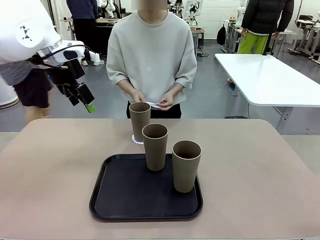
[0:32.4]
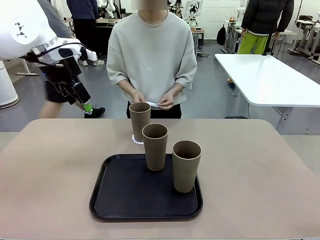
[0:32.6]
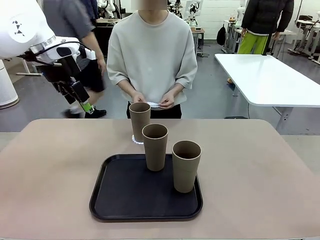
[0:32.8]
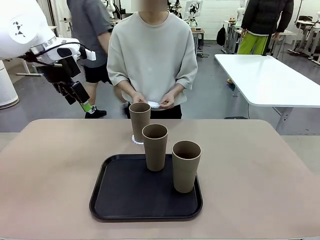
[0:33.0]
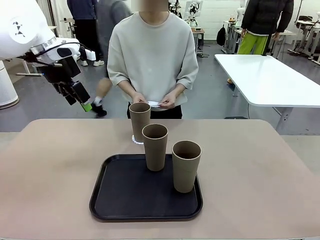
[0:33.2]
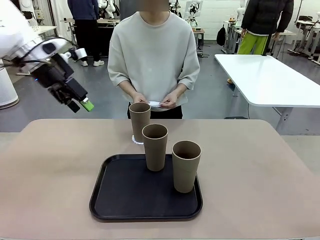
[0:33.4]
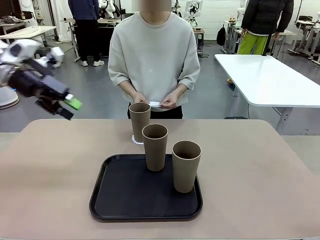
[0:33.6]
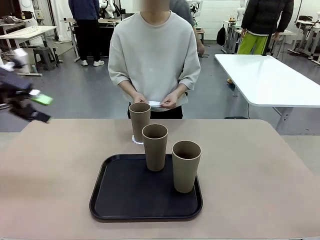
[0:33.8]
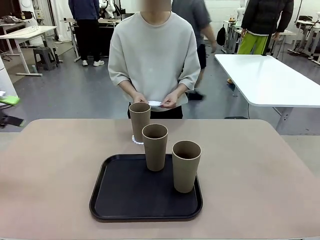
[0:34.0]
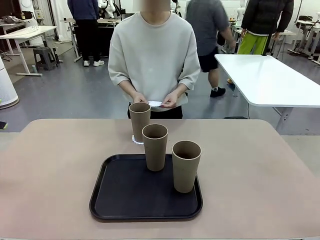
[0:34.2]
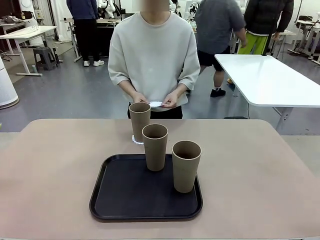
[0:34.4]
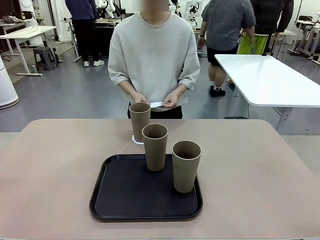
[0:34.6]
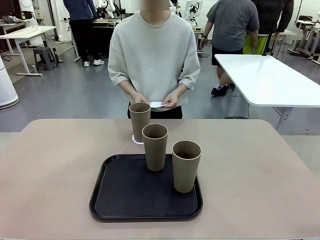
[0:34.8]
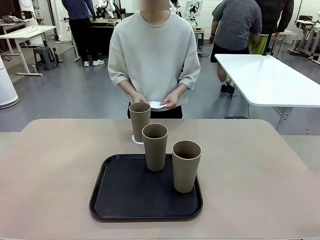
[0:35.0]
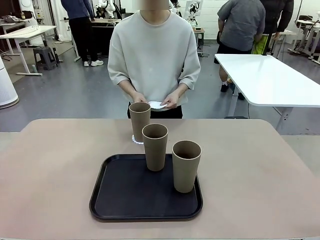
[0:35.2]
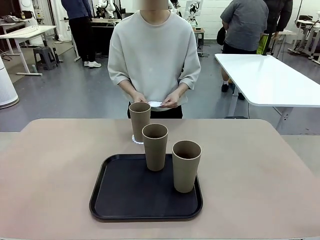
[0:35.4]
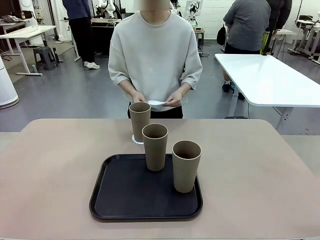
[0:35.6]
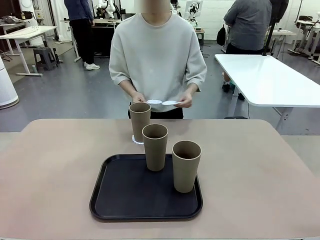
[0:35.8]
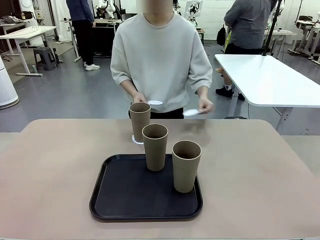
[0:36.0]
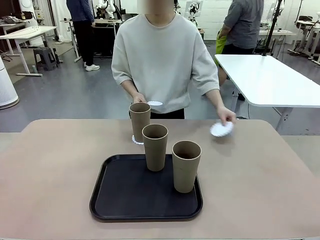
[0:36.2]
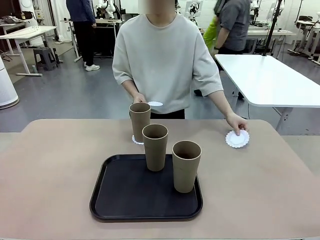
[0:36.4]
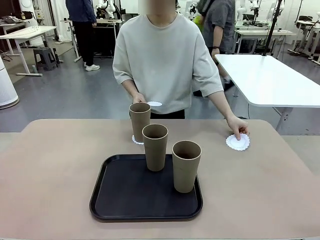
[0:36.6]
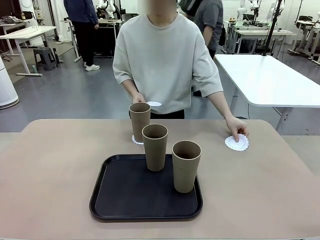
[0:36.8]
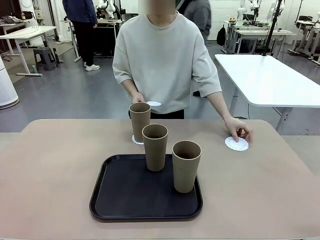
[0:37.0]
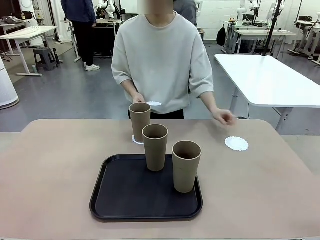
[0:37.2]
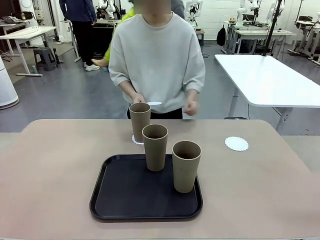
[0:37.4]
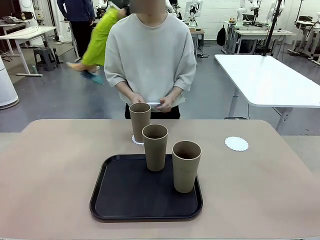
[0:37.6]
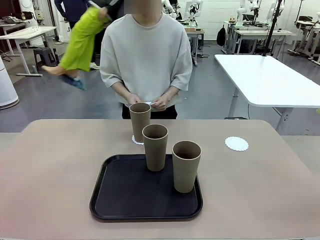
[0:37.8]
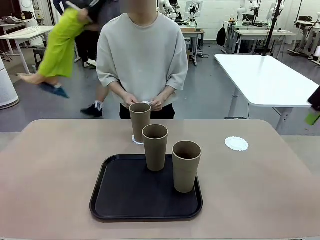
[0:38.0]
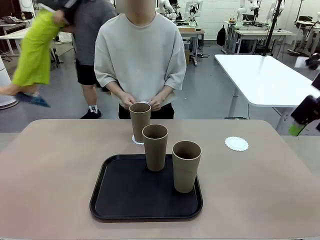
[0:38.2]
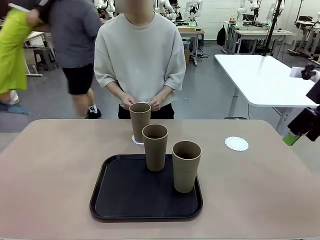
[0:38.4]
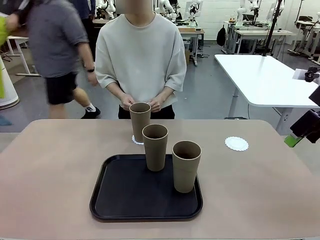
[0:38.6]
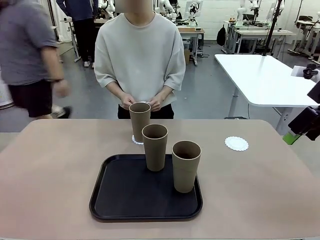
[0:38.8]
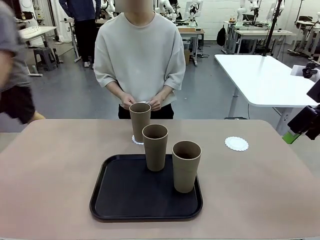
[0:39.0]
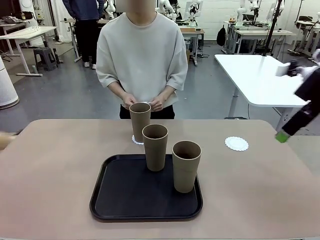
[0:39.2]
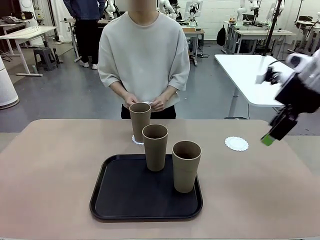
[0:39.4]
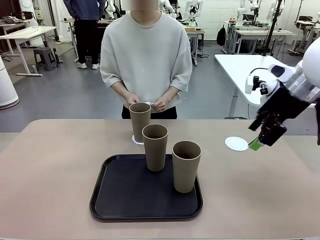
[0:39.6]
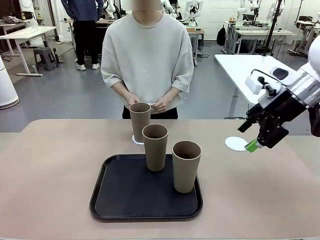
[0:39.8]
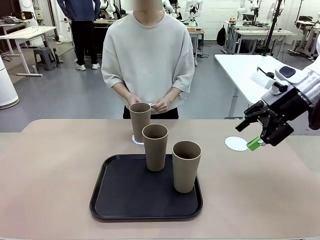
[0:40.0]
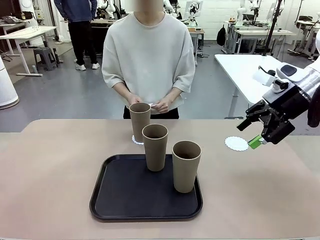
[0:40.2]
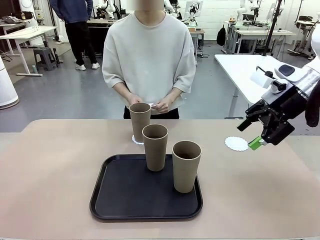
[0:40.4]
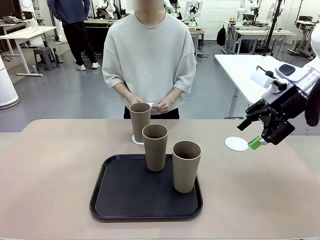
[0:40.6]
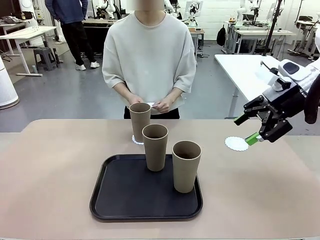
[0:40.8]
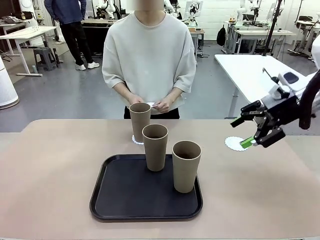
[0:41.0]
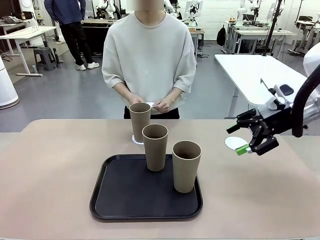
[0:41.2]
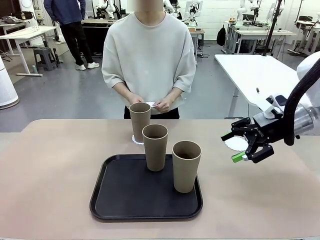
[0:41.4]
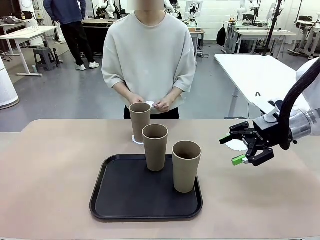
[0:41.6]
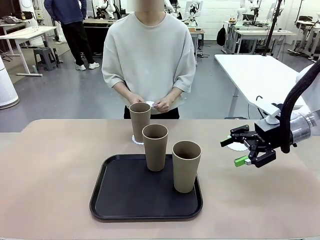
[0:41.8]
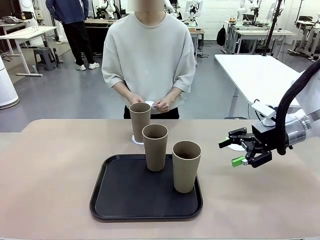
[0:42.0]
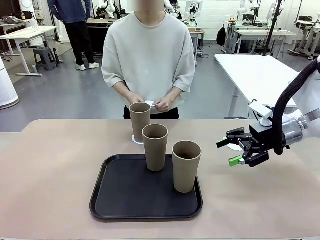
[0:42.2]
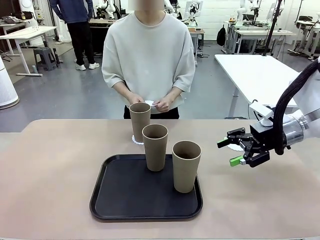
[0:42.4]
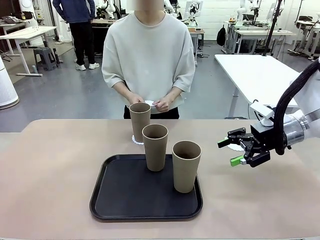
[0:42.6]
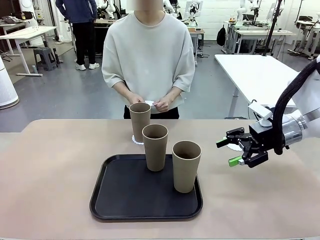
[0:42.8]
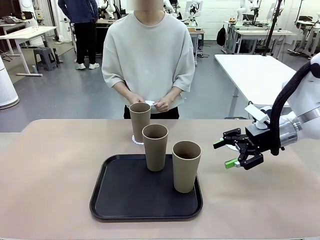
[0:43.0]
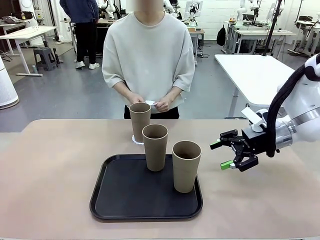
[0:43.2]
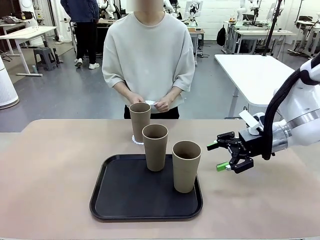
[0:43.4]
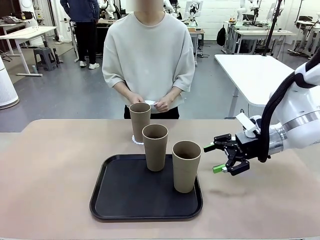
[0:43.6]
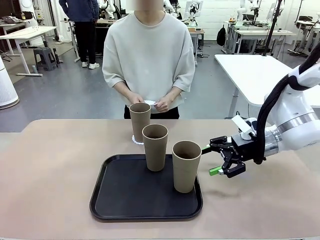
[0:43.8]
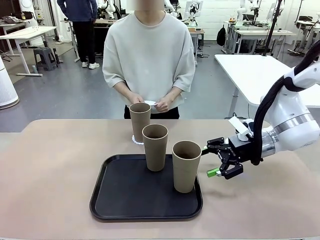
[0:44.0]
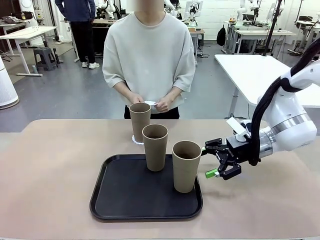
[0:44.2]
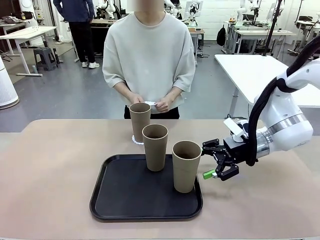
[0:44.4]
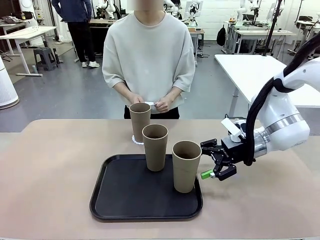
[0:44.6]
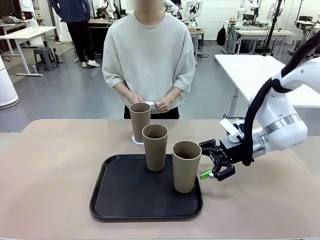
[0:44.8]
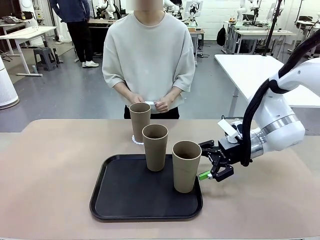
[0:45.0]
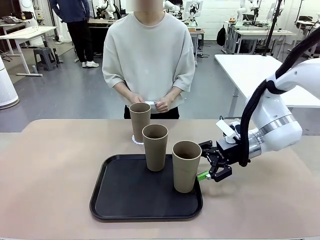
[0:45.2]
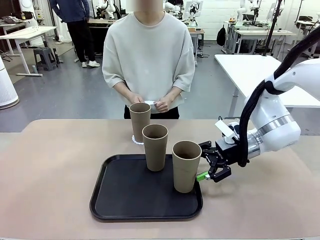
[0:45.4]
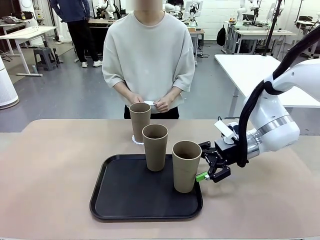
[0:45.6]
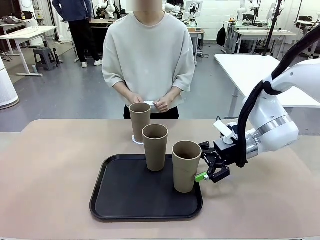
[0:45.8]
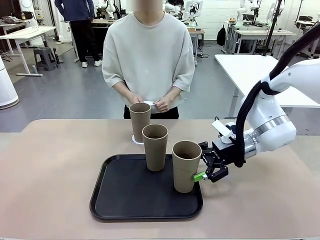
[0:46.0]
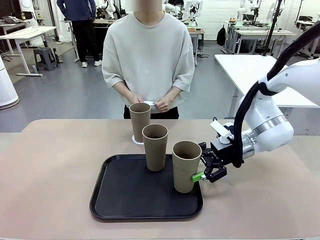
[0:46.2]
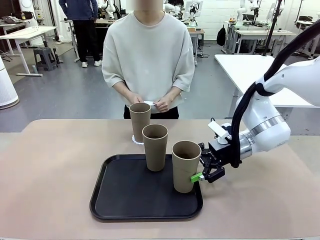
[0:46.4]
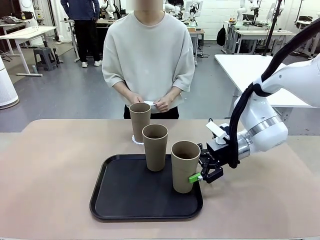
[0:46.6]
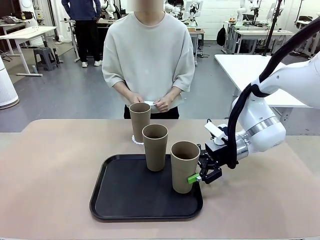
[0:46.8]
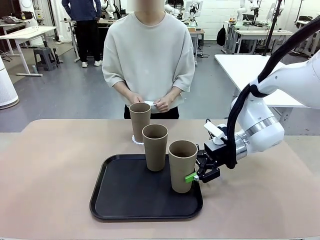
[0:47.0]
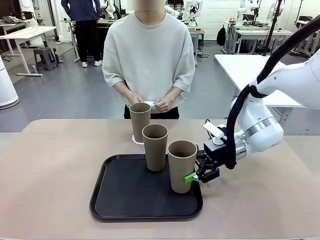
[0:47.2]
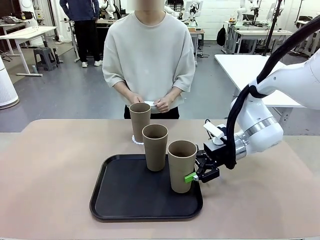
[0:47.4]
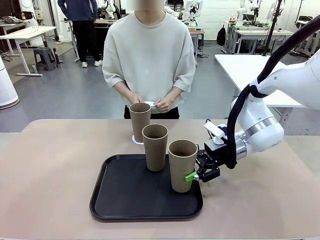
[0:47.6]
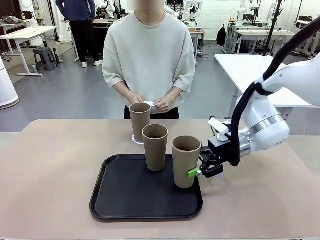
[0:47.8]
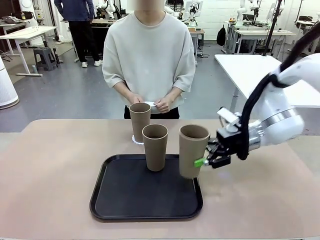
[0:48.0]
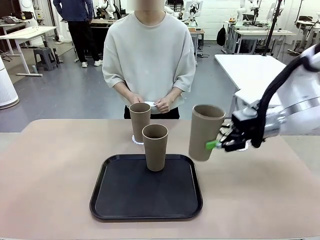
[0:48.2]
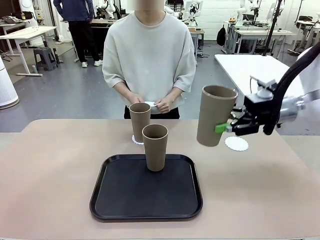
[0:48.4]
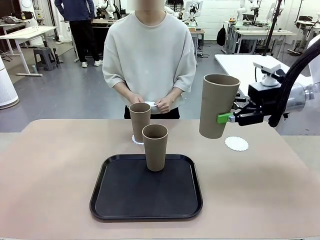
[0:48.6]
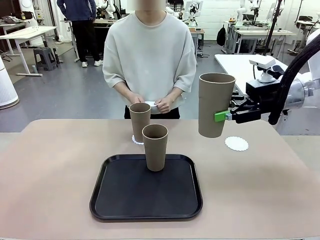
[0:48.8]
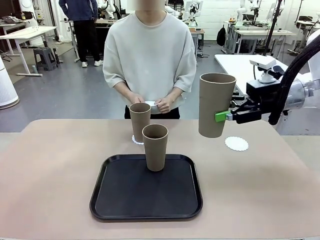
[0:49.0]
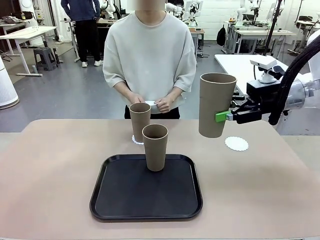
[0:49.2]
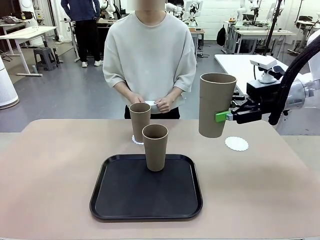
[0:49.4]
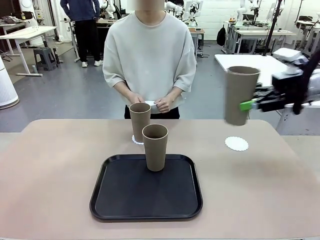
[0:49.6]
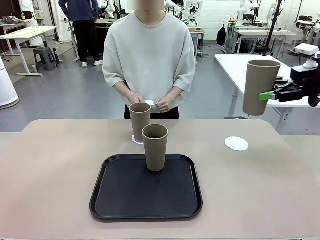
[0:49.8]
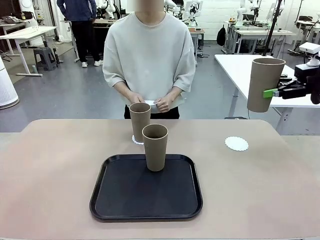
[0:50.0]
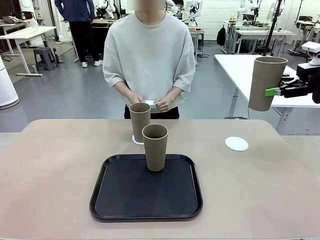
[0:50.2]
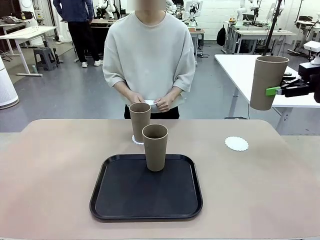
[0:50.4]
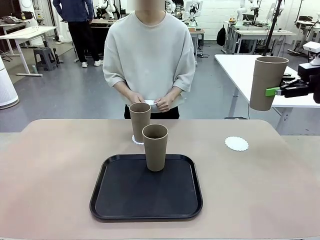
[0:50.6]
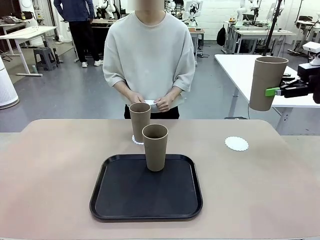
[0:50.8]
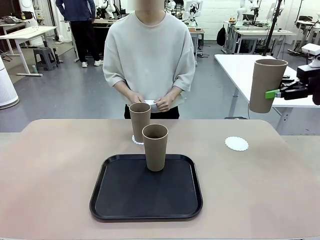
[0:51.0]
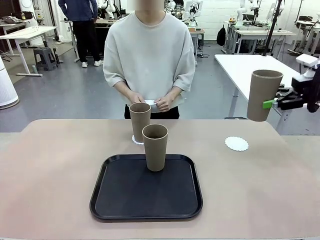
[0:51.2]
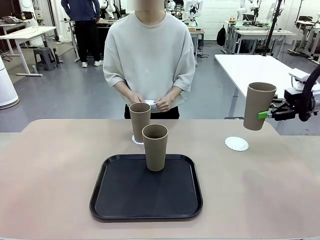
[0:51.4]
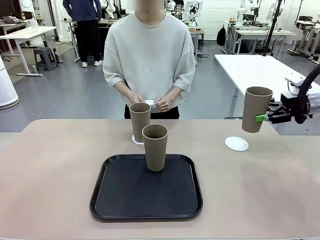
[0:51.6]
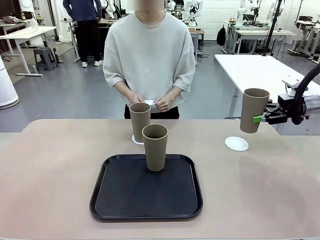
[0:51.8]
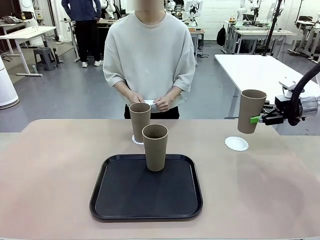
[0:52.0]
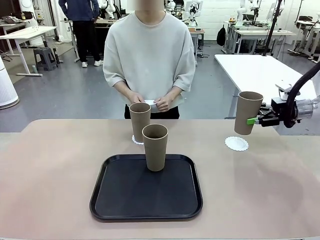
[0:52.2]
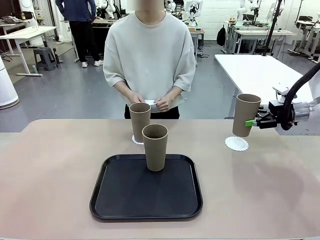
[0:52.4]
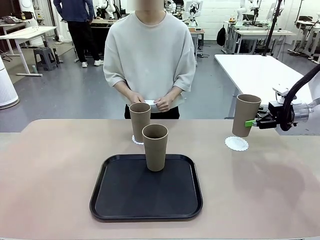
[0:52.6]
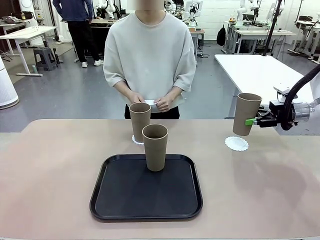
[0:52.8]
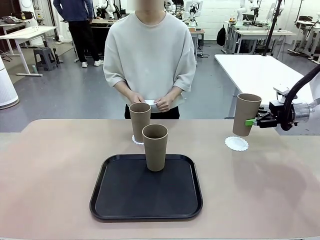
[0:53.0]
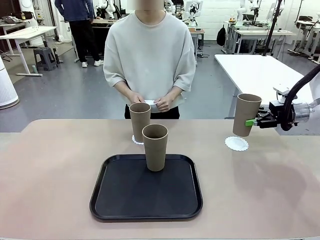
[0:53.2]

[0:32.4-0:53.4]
Task: Place coasters on the table and set cups on them.
Robot: Take one Reusable plastic cup from the Flat Tray and place it on a coaster set by the human.
